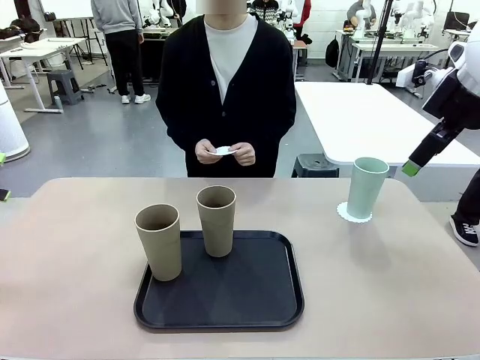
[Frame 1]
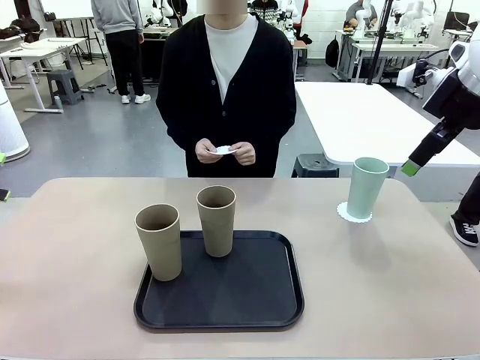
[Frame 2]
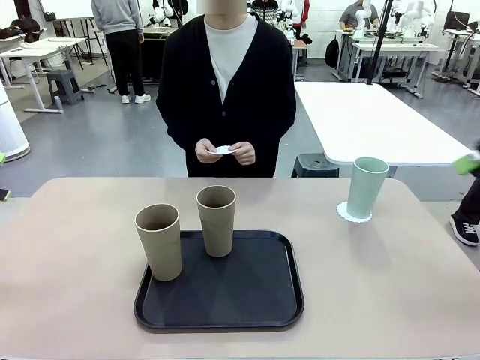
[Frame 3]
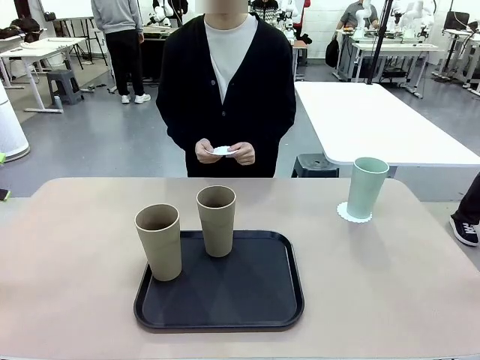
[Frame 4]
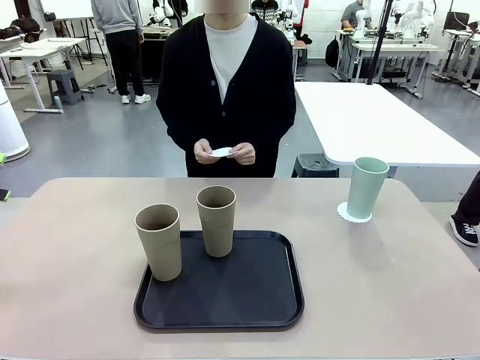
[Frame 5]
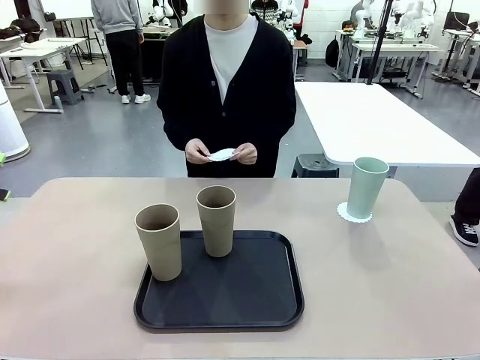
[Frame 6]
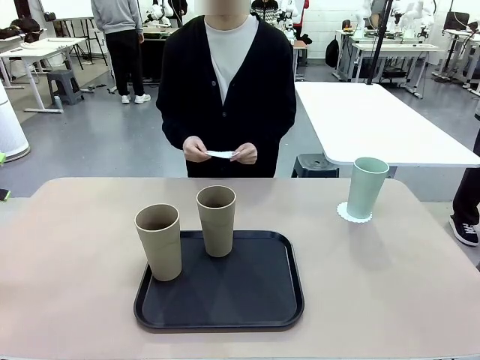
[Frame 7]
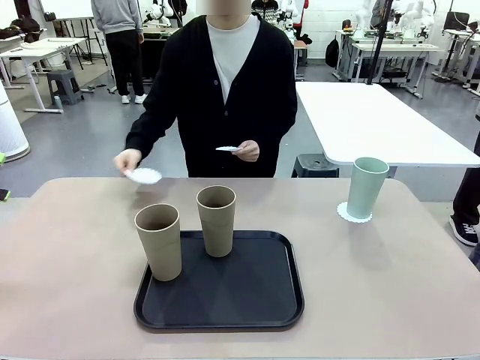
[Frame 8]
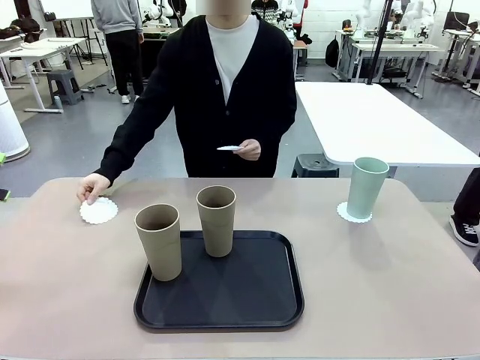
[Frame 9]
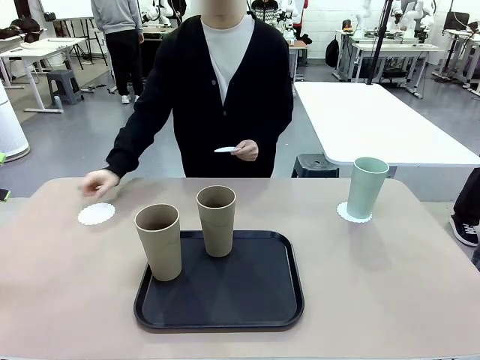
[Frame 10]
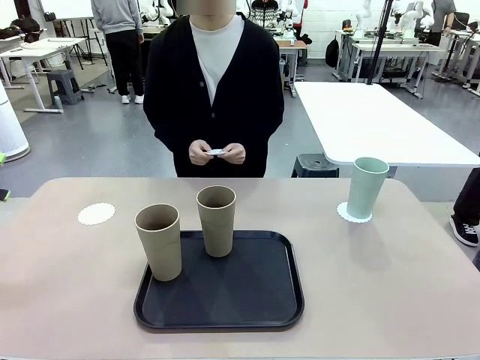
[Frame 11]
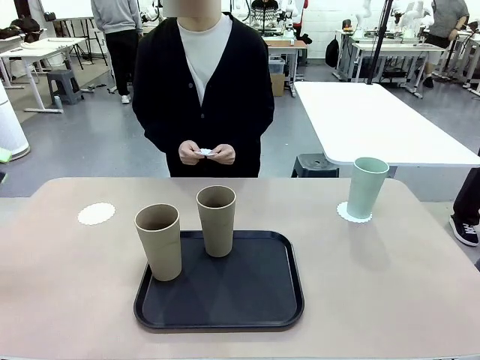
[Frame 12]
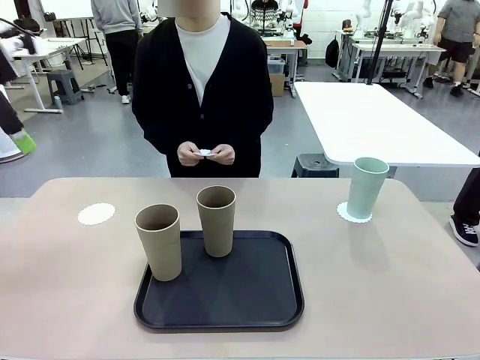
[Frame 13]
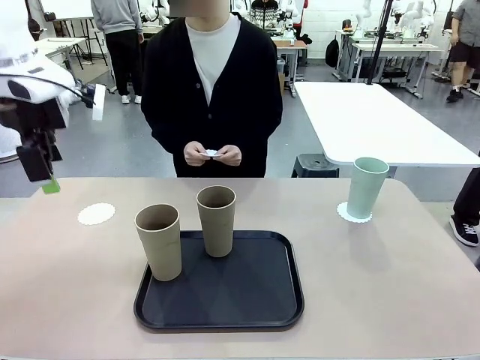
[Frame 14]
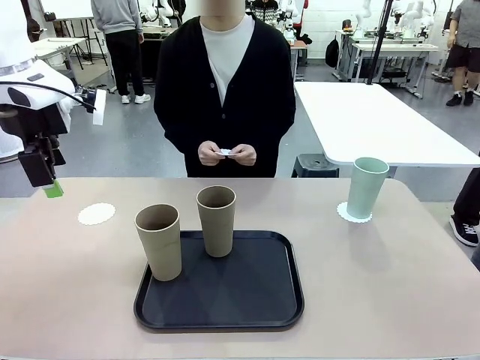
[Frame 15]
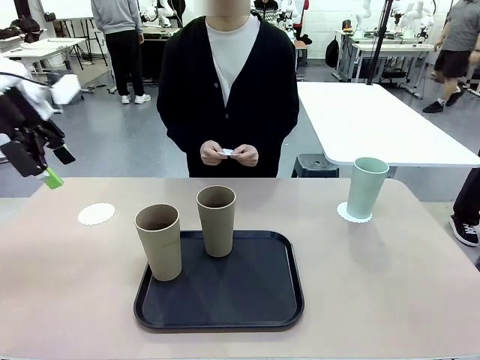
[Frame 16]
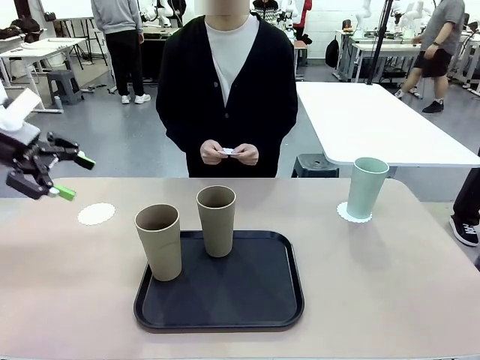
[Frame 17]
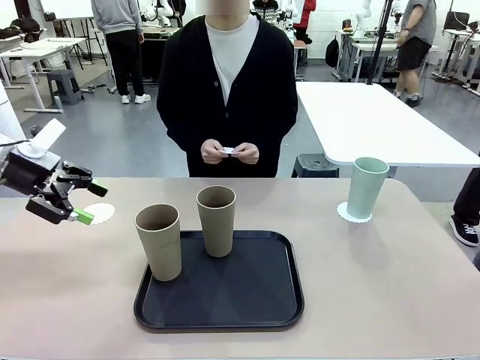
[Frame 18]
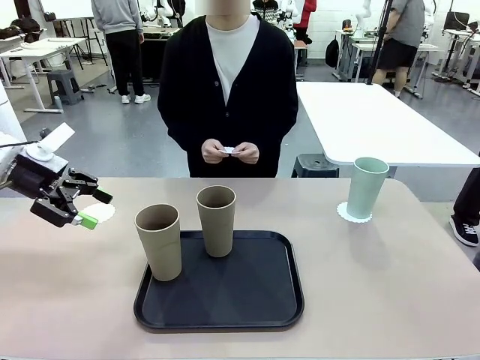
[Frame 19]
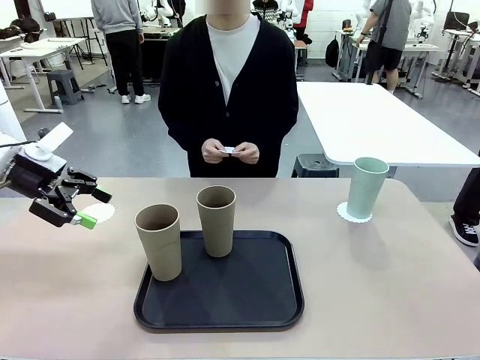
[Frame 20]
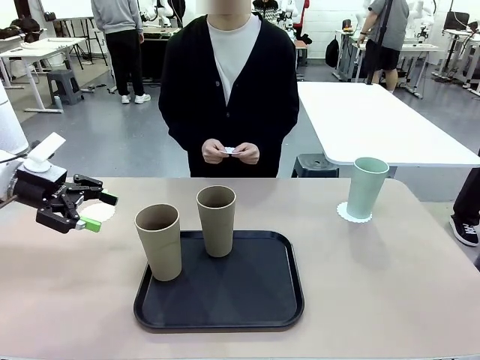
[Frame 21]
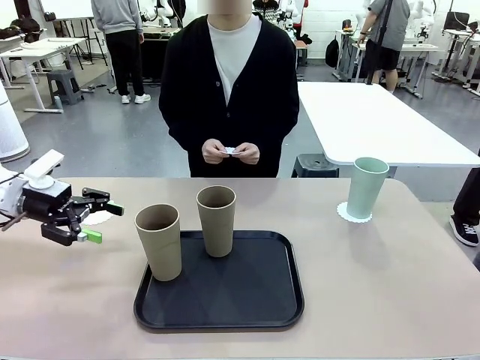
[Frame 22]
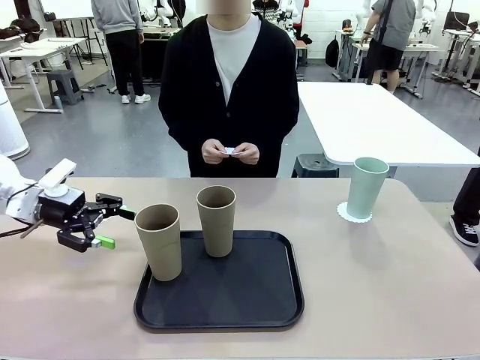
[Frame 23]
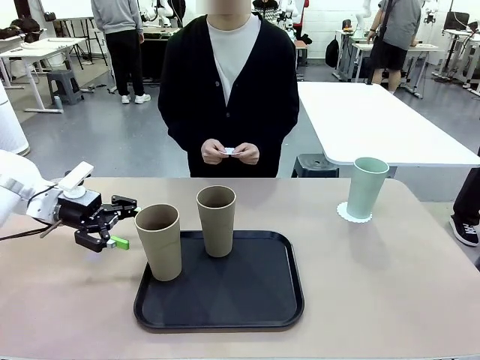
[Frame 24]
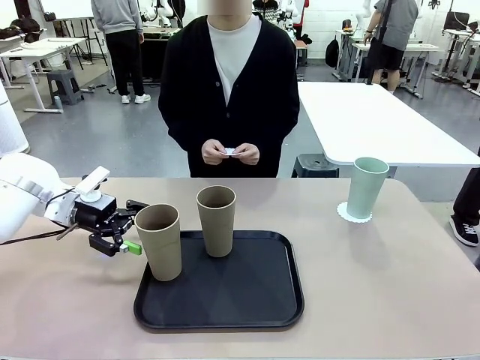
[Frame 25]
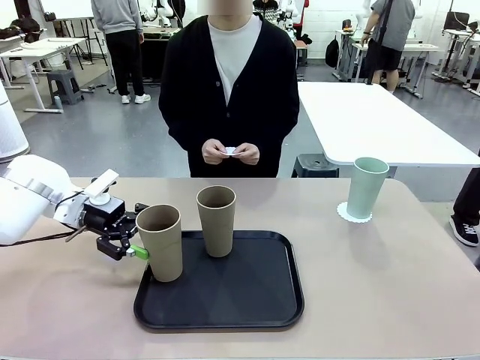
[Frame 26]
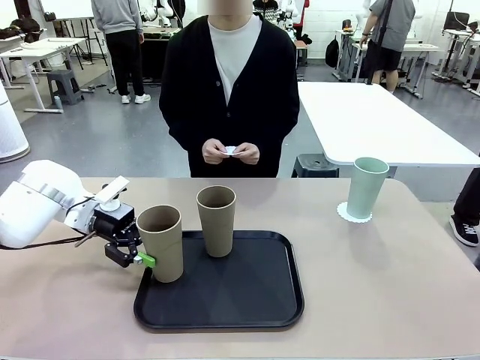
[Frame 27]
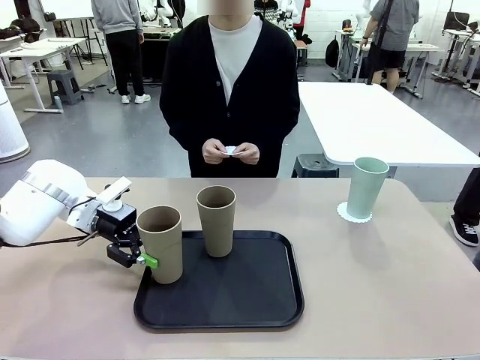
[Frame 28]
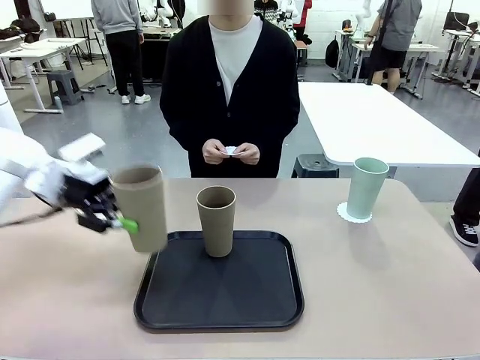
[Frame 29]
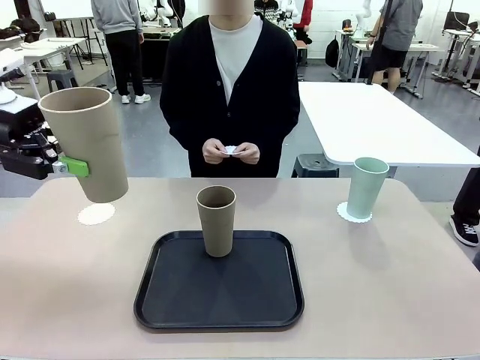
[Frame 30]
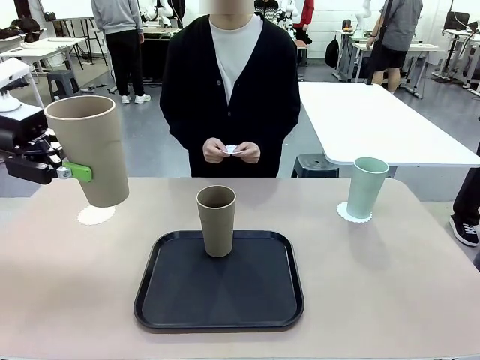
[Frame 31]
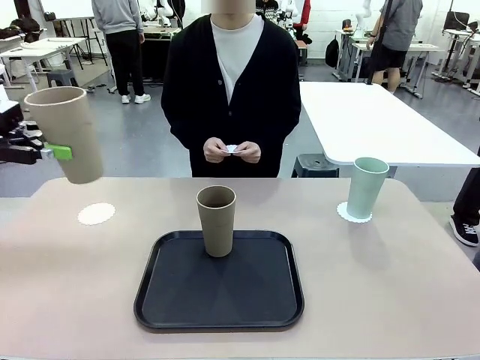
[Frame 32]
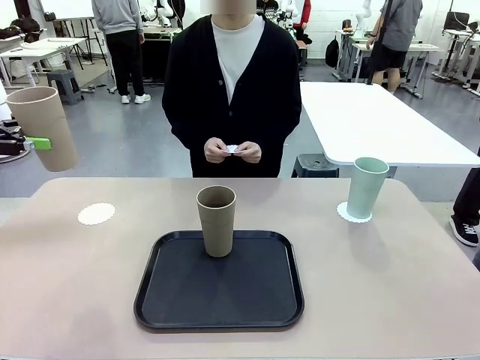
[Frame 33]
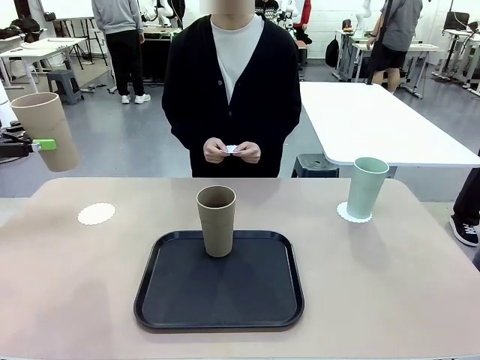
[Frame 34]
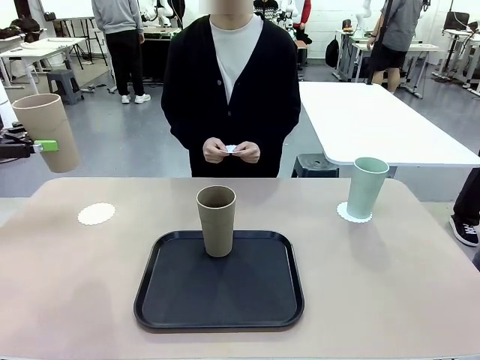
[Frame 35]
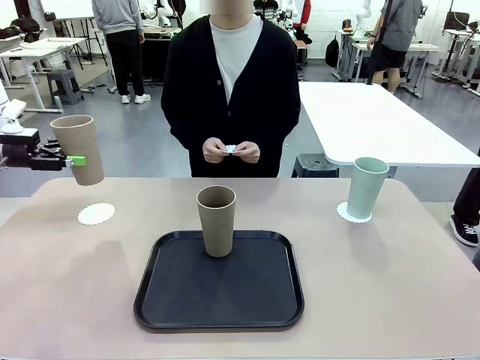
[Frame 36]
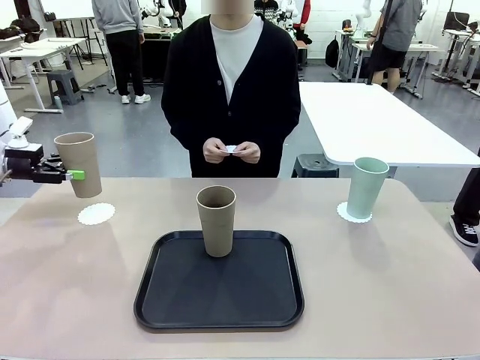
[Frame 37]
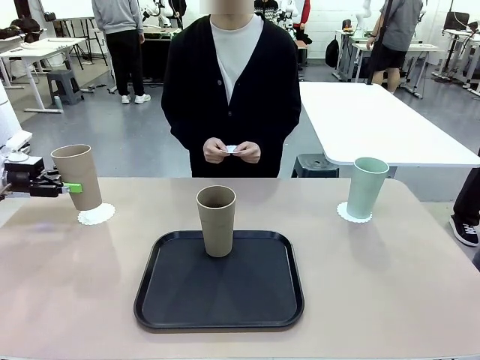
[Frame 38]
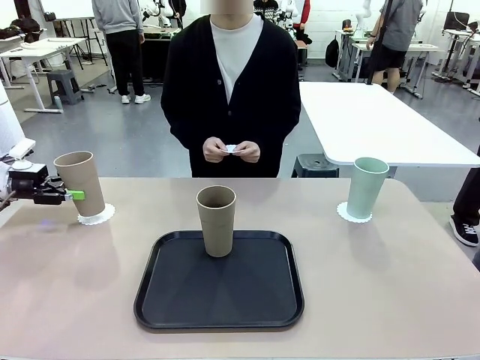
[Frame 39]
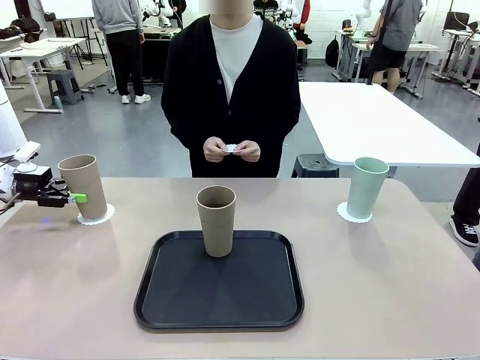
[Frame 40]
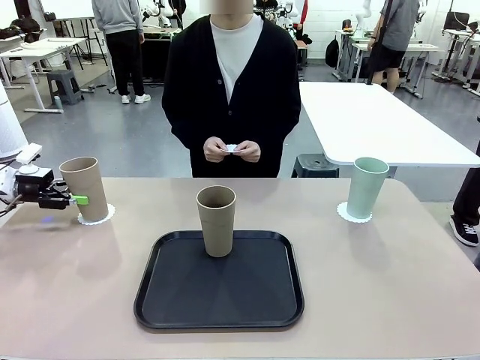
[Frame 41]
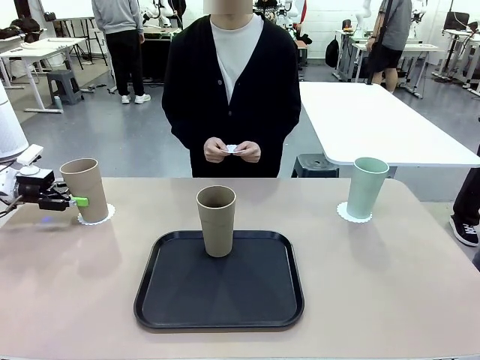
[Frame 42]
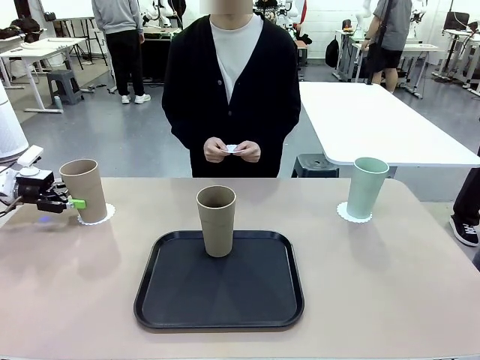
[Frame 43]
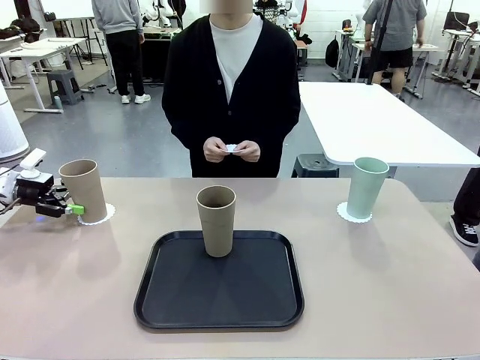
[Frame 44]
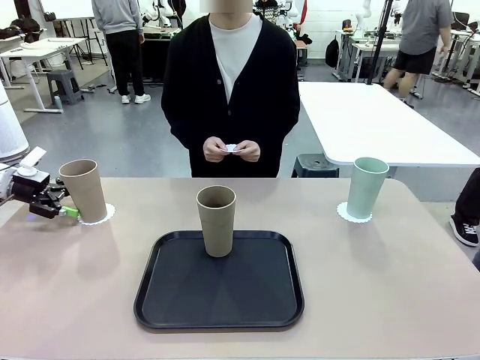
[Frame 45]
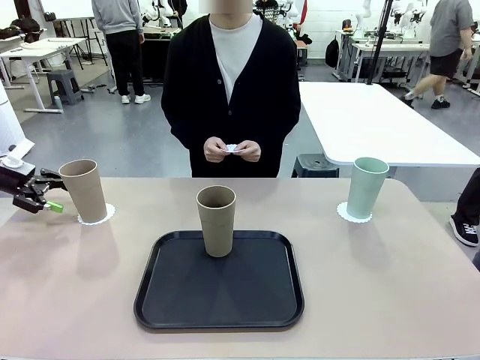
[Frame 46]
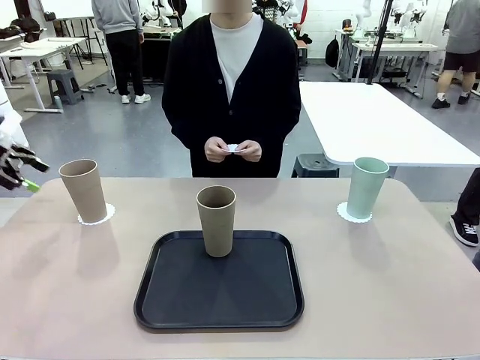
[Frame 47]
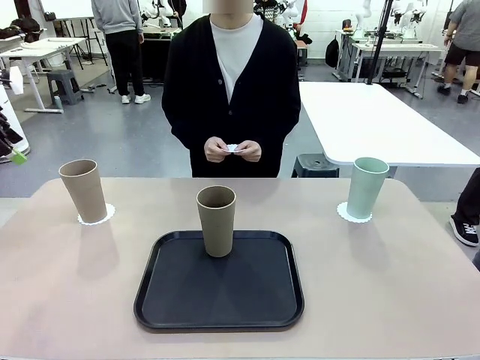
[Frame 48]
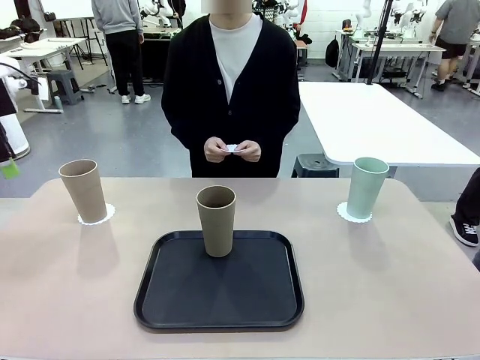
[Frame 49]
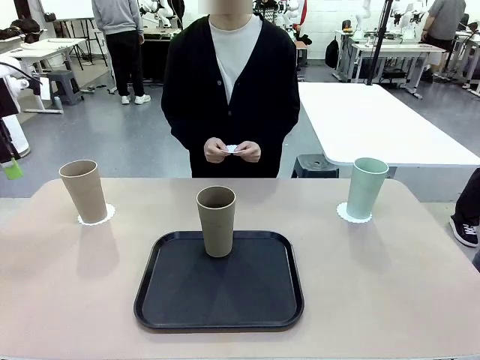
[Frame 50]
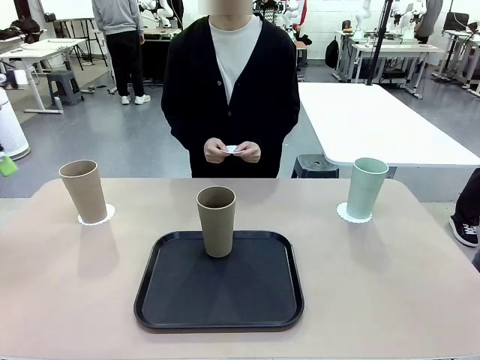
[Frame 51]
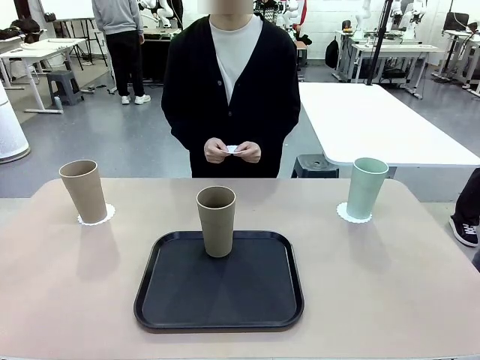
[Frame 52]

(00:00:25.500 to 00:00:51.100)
Task: Place coasters on the table and set cups on them.
Robot: Take one Reusable plastic cup from the Flat Tray and place it on a coaster set by the human.
